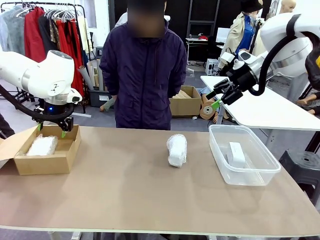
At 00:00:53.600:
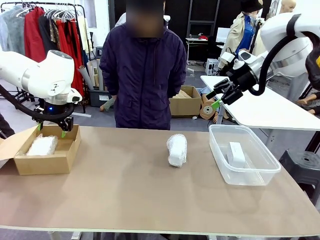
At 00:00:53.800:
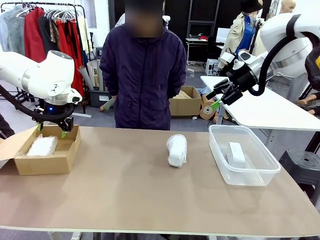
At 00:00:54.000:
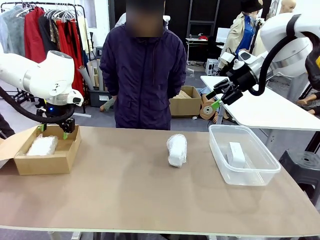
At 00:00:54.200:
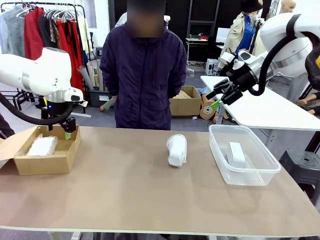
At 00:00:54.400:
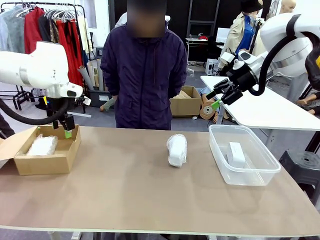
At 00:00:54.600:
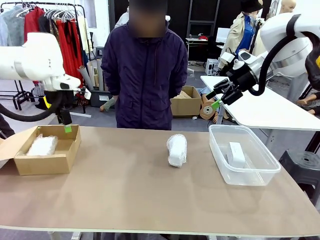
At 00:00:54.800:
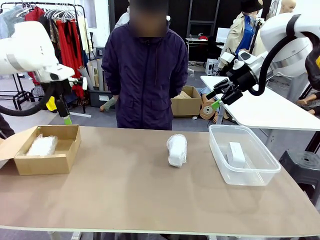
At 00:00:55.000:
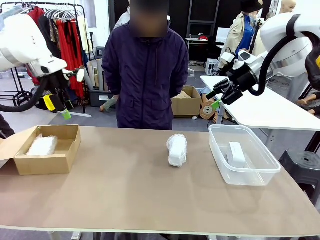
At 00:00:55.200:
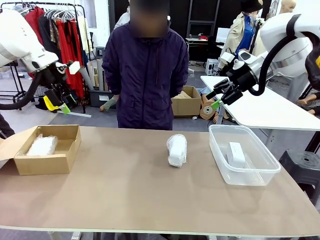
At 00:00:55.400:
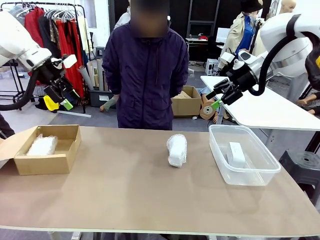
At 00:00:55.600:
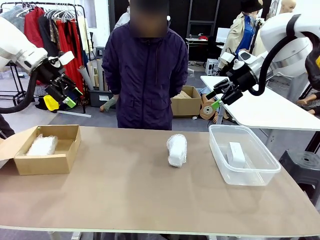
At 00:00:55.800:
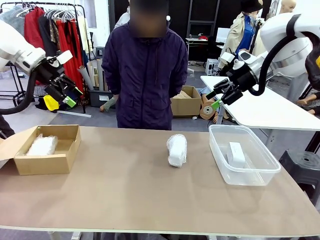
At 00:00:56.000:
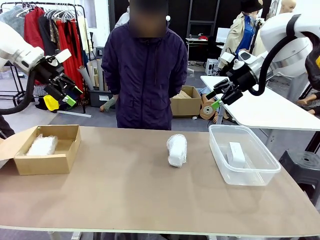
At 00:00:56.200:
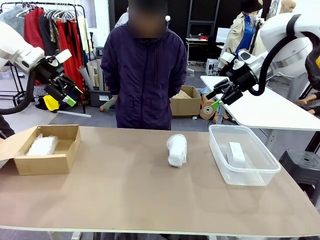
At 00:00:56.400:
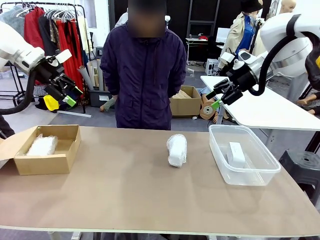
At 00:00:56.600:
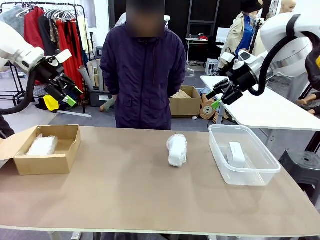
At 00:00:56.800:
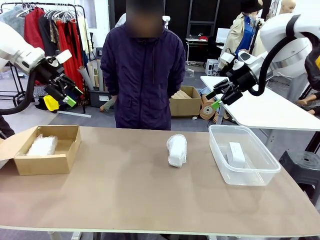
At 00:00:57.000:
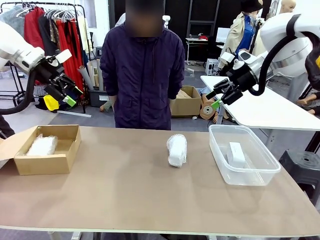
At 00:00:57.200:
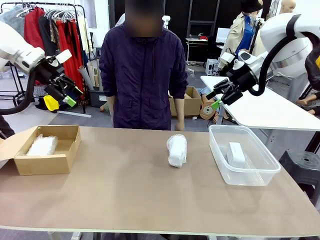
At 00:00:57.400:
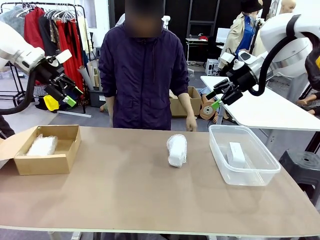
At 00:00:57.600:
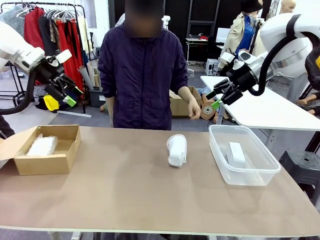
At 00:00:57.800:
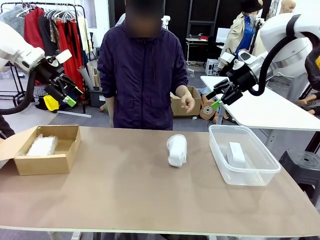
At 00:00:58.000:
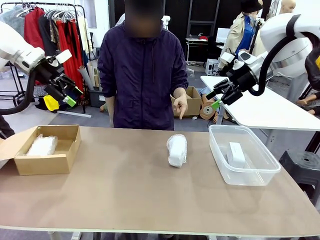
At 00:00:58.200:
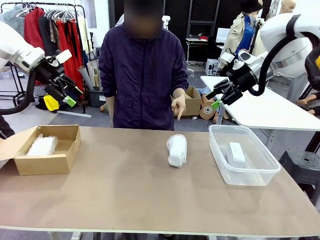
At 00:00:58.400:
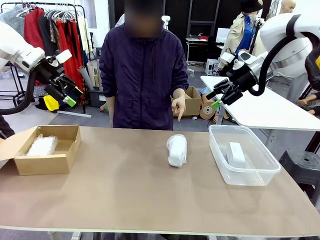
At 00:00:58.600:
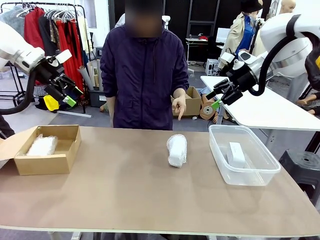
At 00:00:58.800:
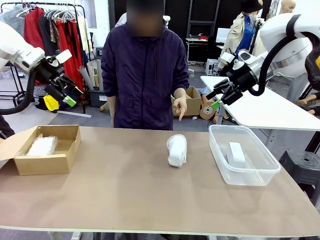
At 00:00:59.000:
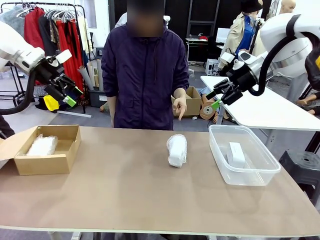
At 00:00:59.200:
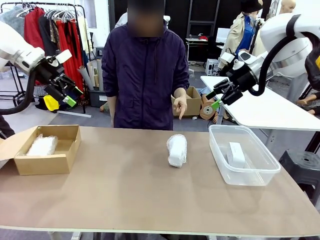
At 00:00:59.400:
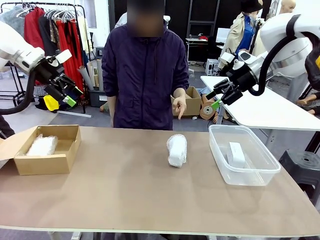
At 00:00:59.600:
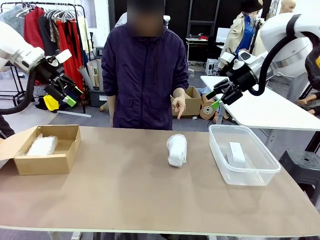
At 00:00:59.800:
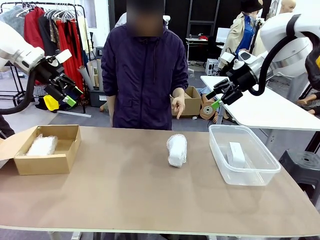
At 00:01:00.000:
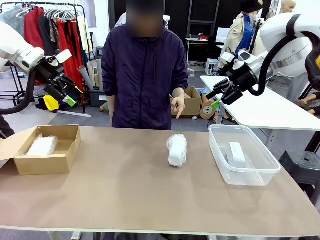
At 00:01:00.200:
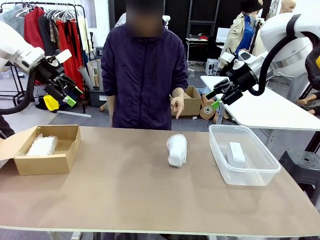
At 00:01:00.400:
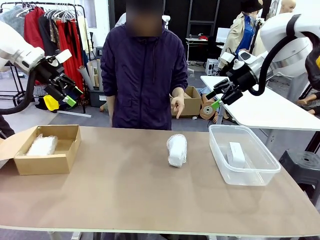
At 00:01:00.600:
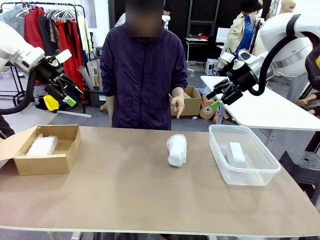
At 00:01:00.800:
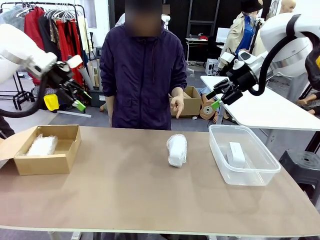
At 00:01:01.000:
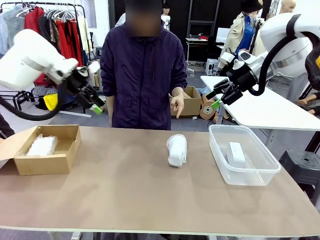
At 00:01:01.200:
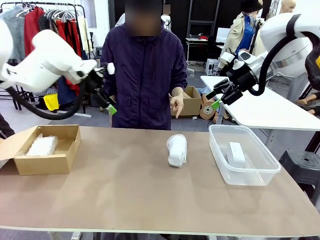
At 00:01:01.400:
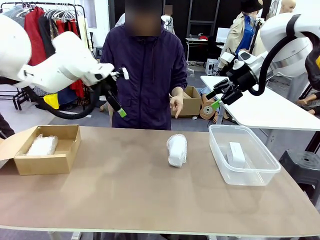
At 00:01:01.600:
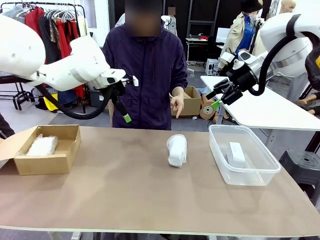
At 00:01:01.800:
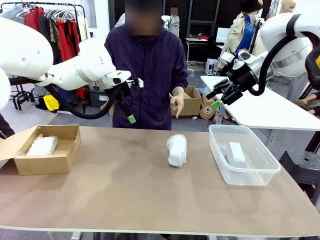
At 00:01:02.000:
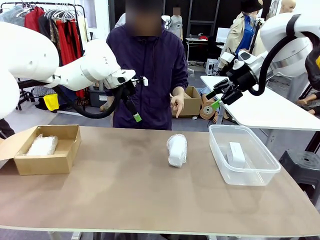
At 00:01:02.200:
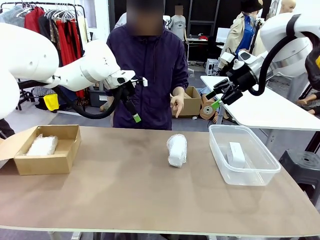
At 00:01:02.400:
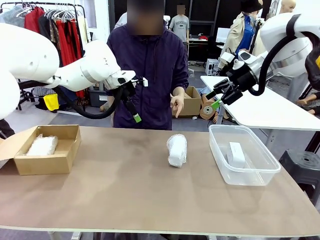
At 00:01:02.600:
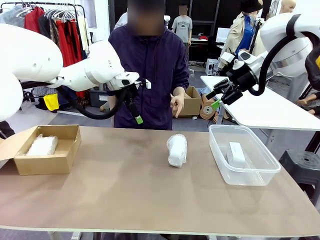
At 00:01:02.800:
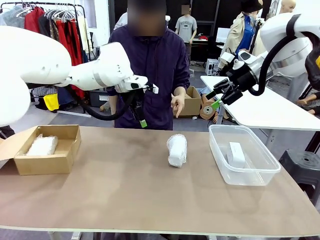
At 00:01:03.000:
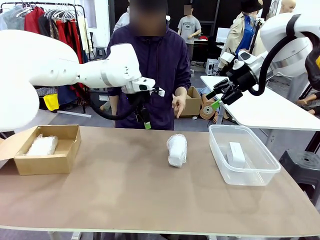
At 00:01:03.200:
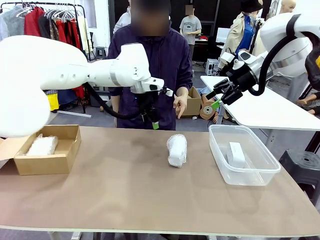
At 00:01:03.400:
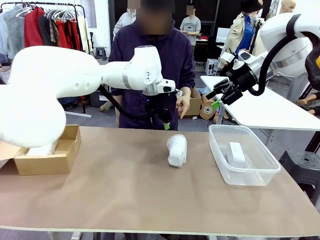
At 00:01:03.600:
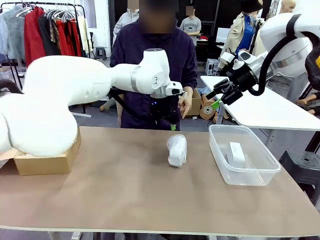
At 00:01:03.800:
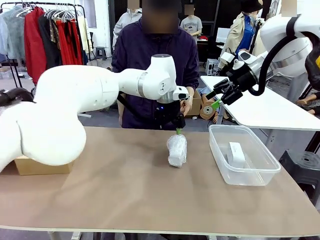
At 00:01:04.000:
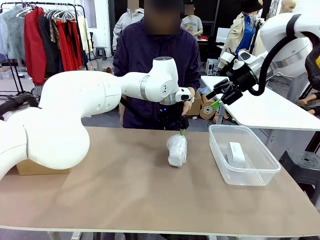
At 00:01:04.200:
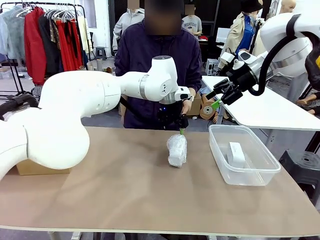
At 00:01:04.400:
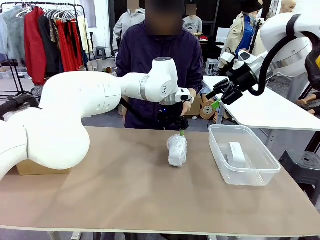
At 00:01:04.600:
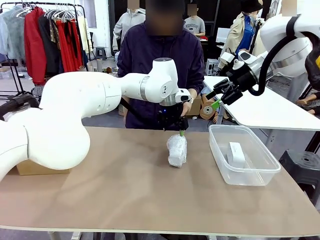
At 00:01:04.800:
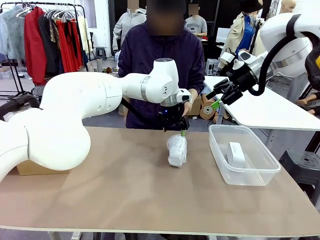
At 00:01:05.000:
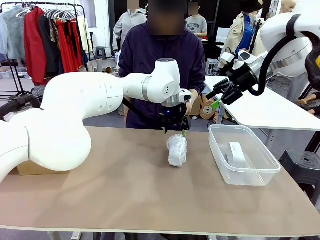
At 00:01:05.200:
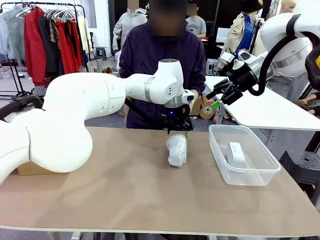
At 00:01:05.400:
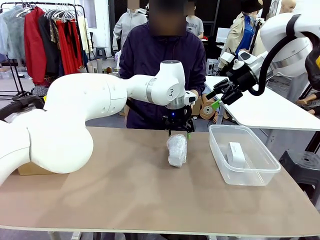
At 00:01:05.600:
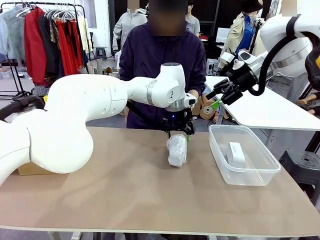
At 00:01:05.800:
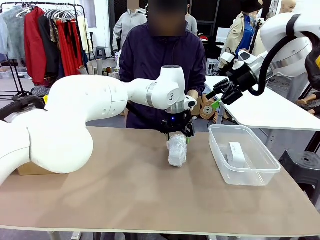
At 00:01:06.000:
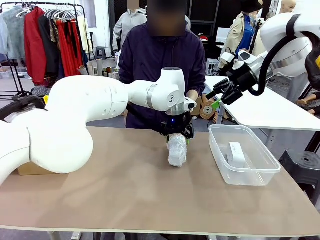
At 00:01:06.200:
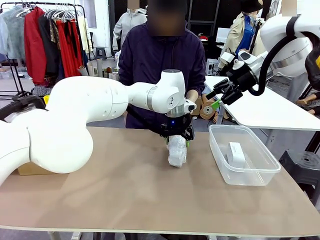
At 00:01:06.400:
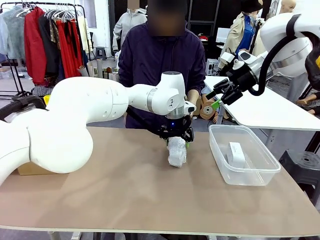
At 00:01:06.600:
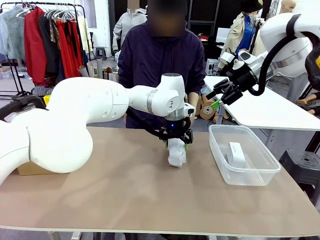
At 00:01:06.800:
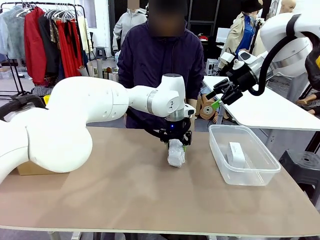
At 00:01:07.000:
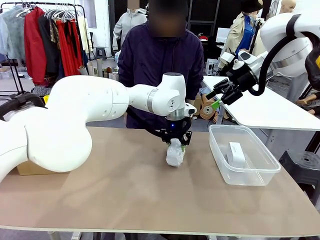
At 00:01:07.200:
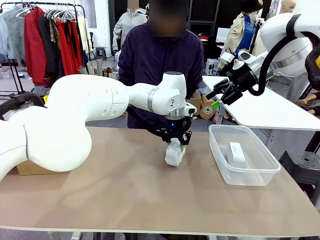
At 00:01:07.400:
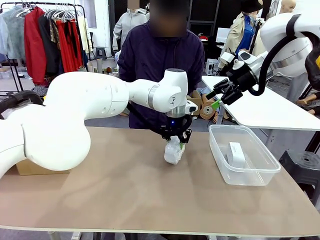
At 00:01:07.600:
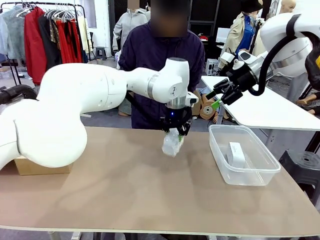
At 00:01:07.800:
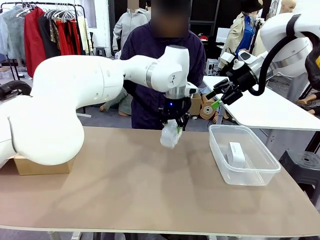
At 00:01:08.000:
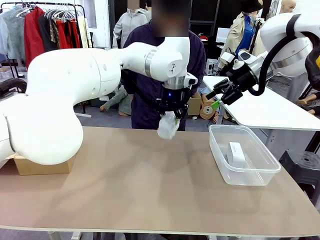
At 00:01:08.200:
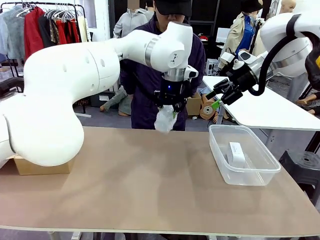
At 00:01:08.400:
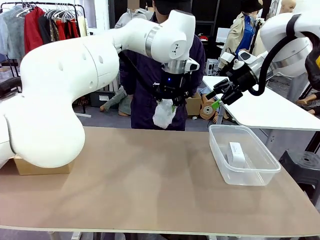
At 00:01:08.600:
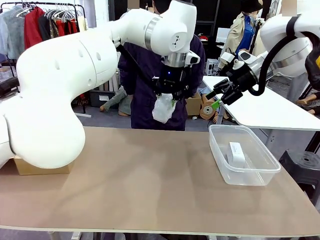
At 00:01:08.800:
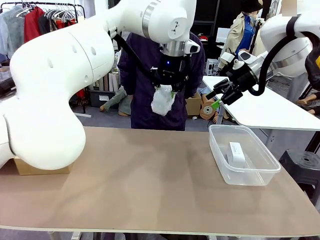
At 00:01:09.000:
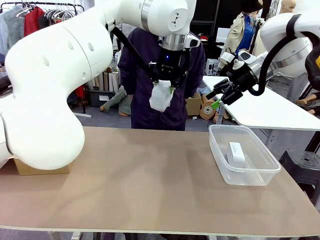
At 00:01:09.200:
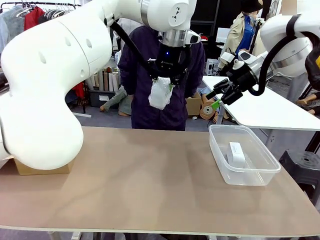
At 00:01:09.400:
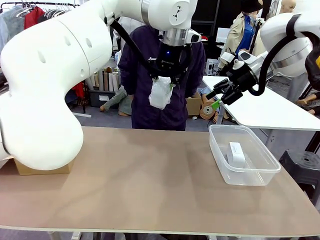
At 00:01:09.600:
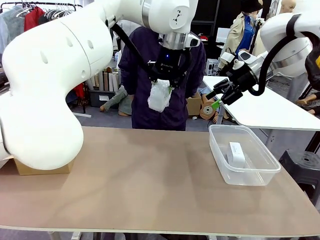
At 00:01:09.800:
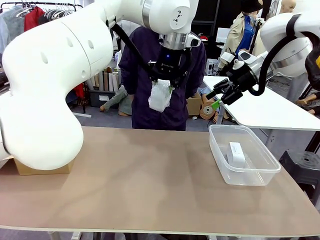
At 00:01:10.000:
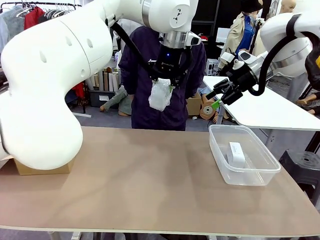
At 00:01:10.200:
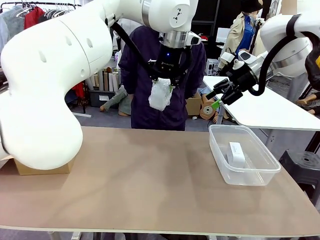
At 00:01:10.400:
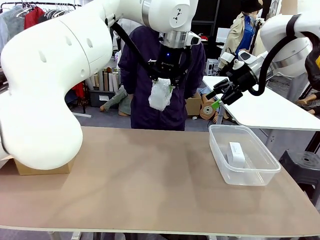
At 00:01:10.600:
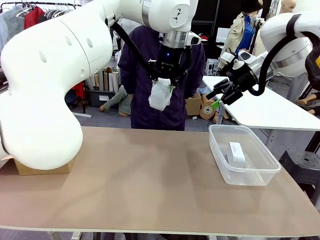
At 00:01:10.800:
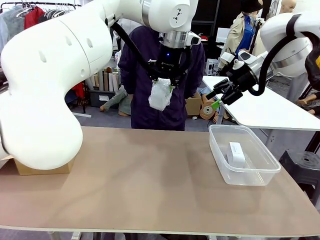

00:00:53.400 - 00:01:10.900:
Task: Separate and place wrapped and unwrapped clocks.
Robot: Pick up the Digital clock indicated by the person.
